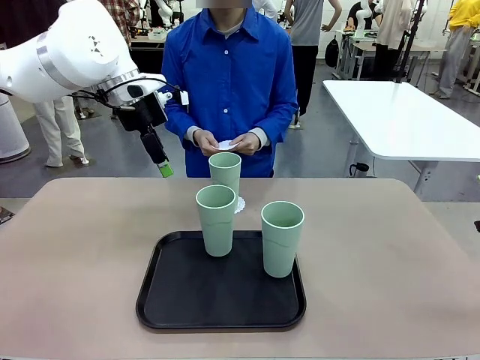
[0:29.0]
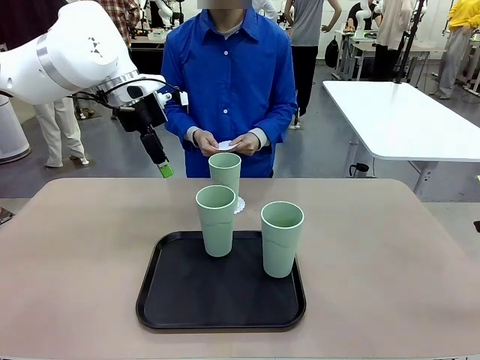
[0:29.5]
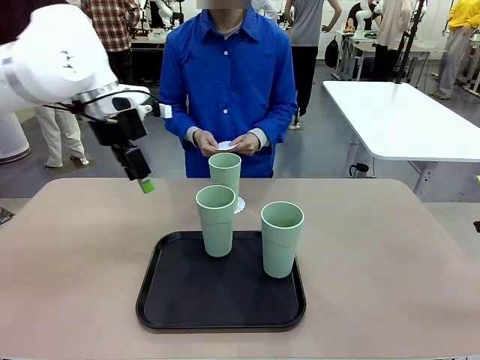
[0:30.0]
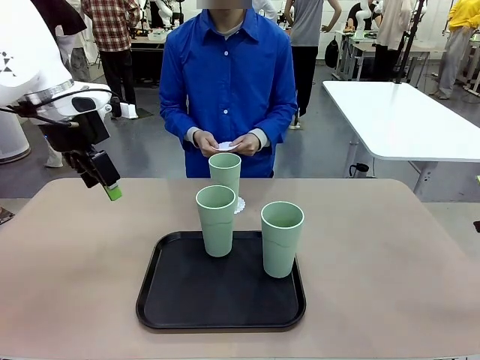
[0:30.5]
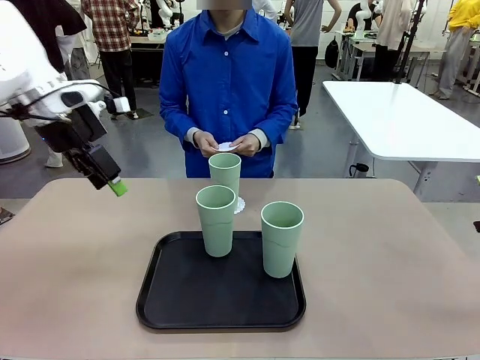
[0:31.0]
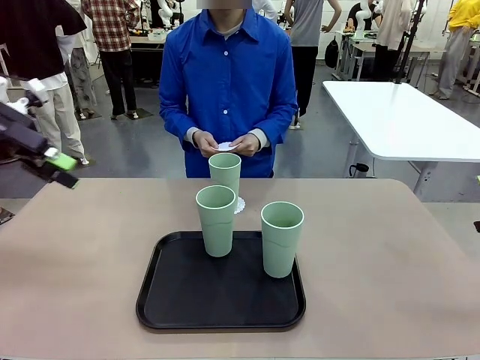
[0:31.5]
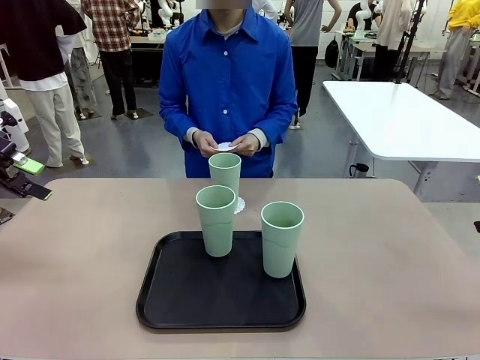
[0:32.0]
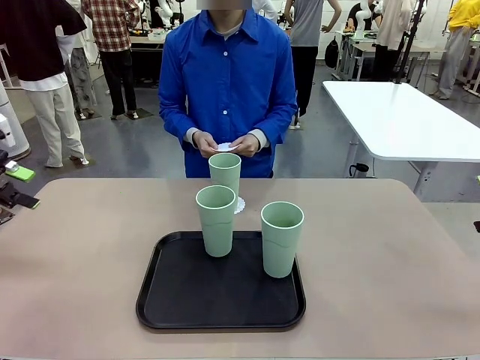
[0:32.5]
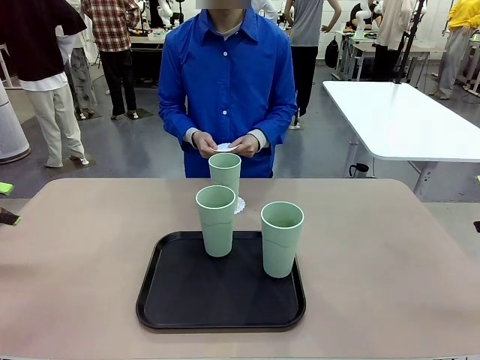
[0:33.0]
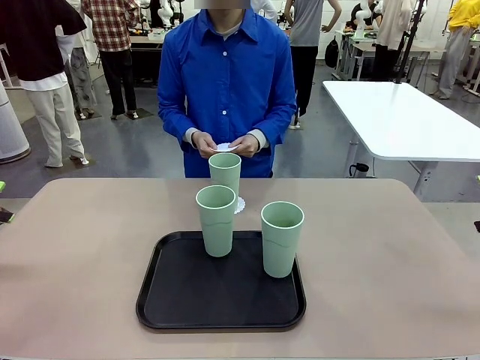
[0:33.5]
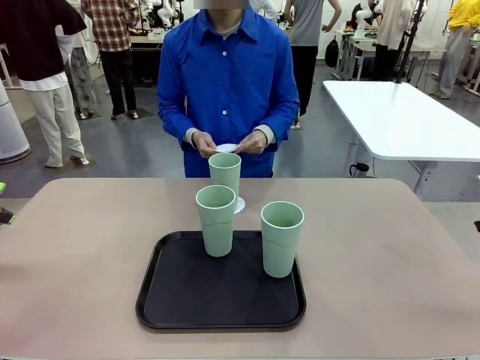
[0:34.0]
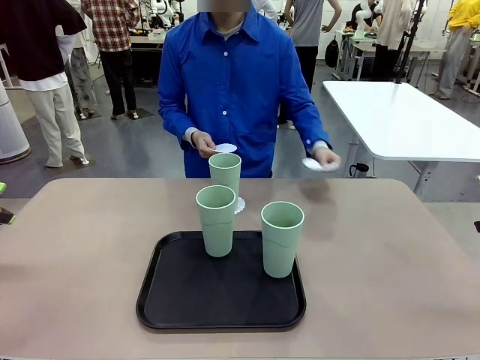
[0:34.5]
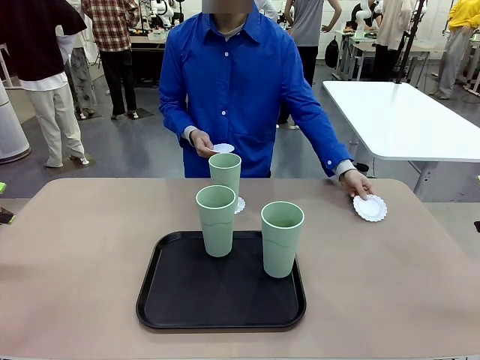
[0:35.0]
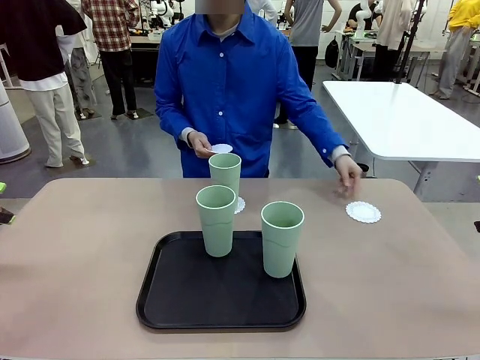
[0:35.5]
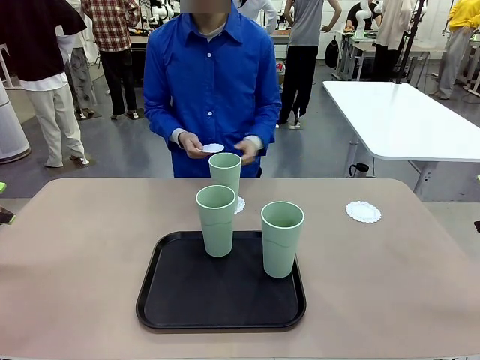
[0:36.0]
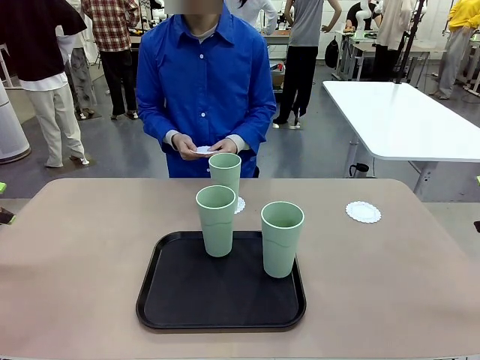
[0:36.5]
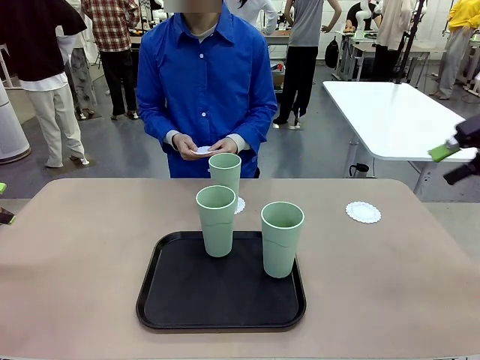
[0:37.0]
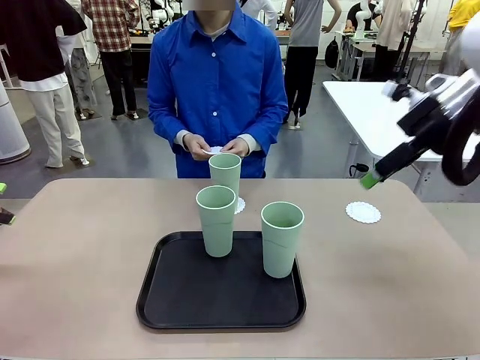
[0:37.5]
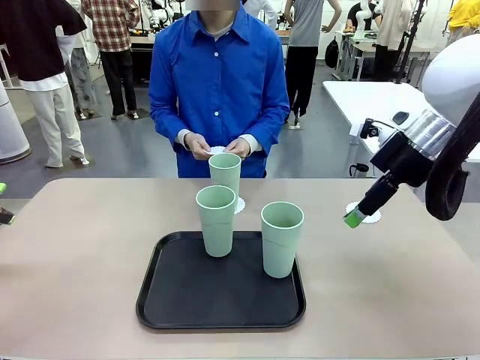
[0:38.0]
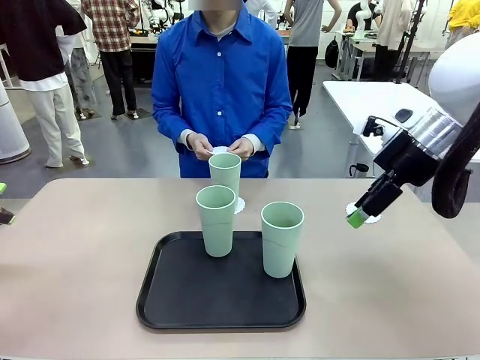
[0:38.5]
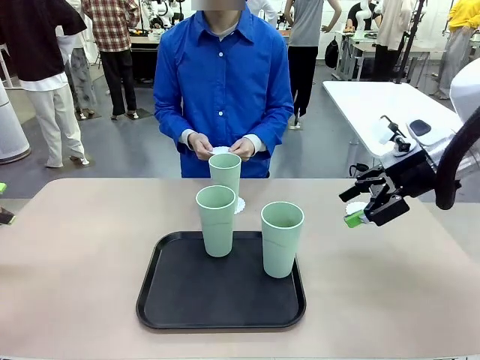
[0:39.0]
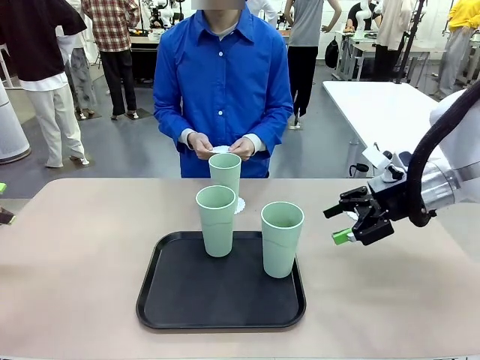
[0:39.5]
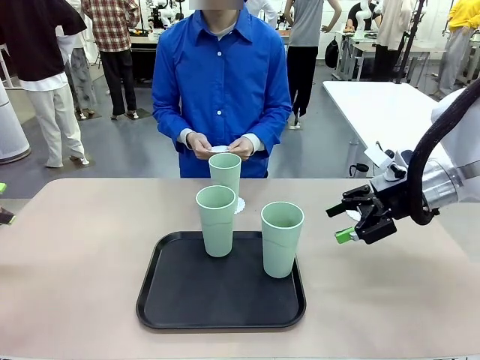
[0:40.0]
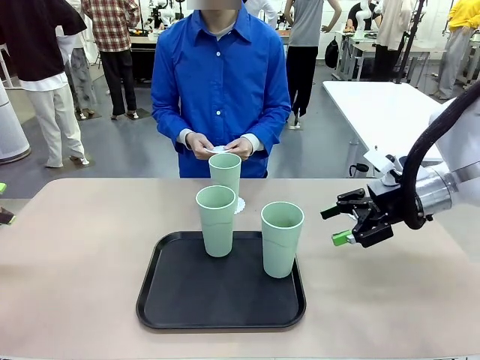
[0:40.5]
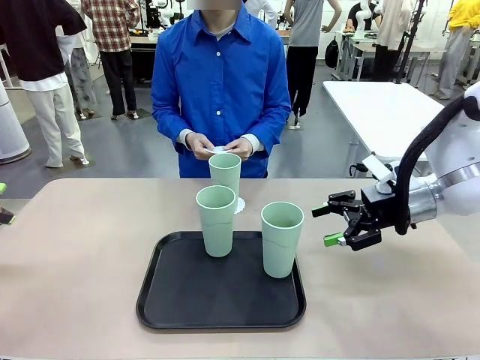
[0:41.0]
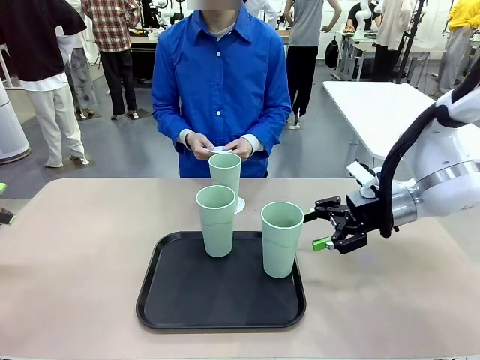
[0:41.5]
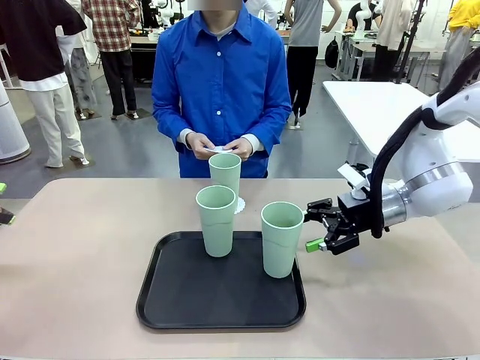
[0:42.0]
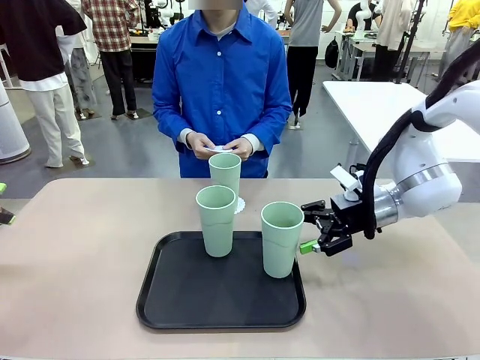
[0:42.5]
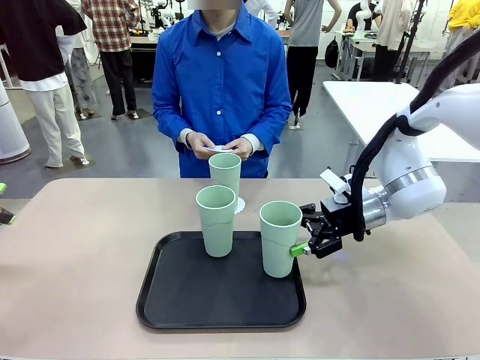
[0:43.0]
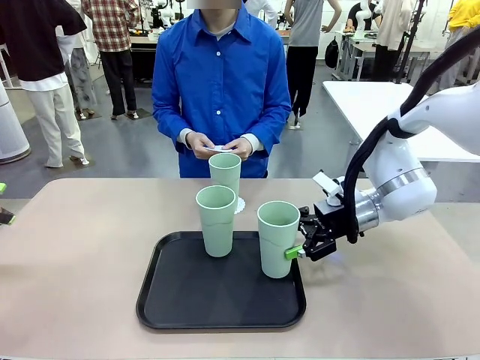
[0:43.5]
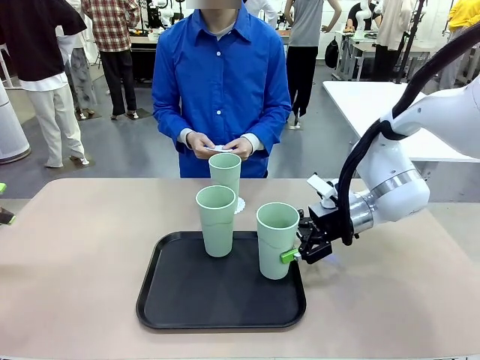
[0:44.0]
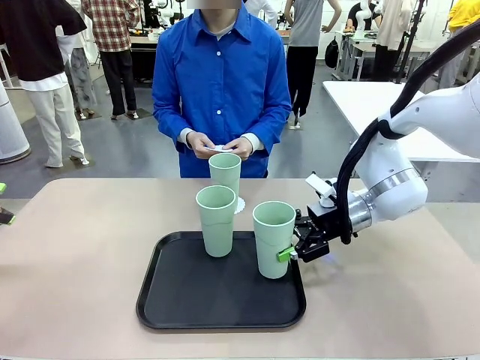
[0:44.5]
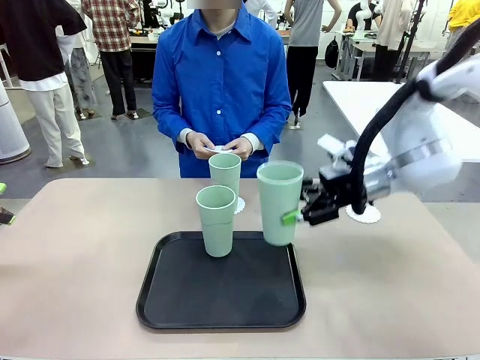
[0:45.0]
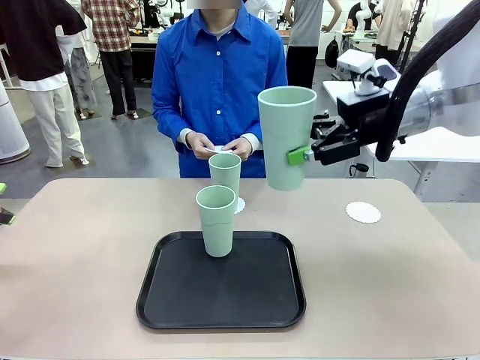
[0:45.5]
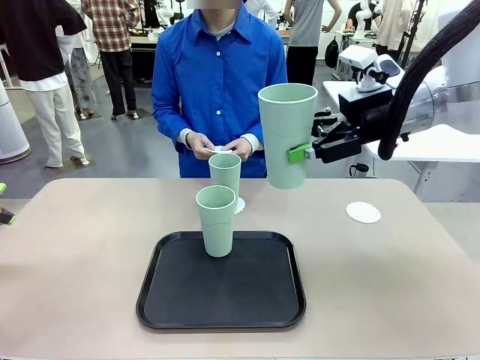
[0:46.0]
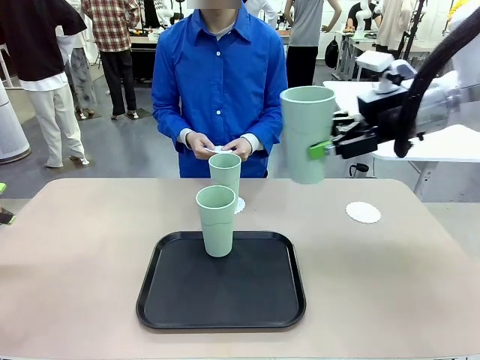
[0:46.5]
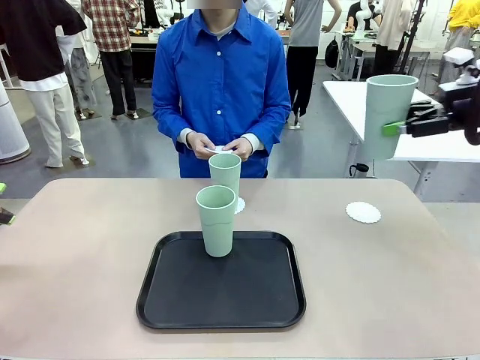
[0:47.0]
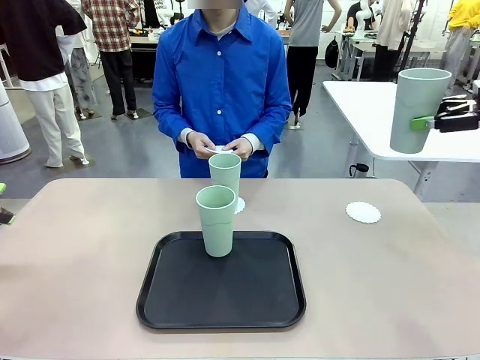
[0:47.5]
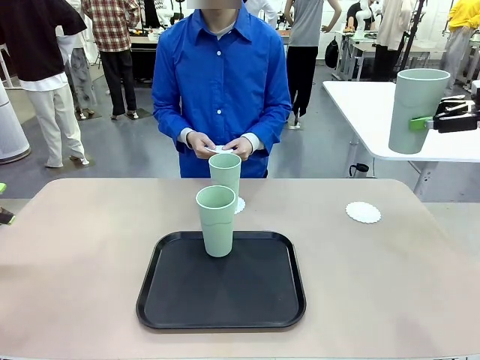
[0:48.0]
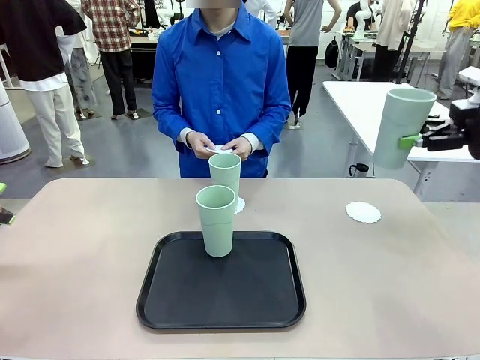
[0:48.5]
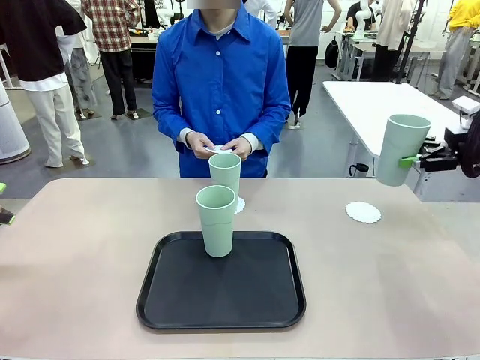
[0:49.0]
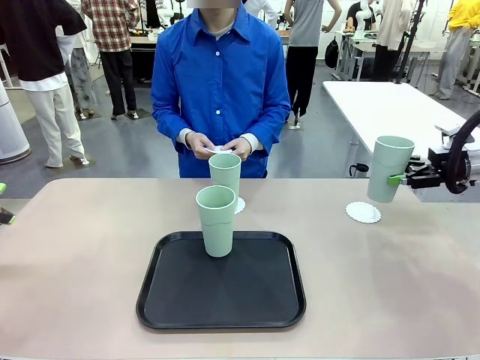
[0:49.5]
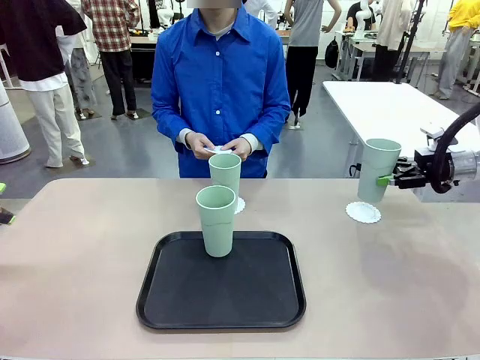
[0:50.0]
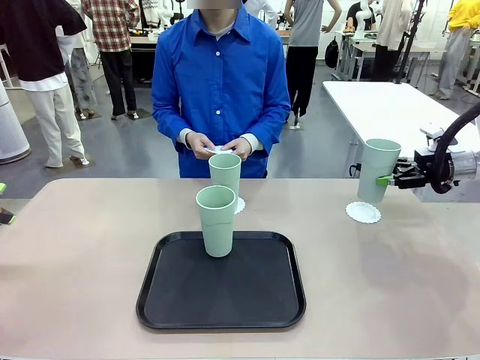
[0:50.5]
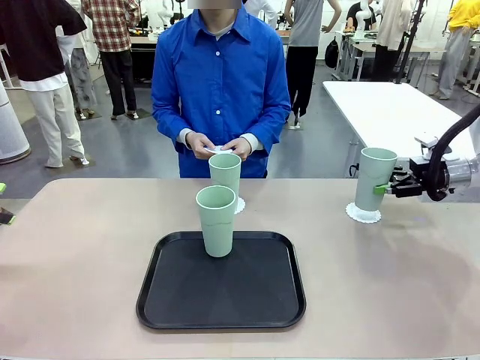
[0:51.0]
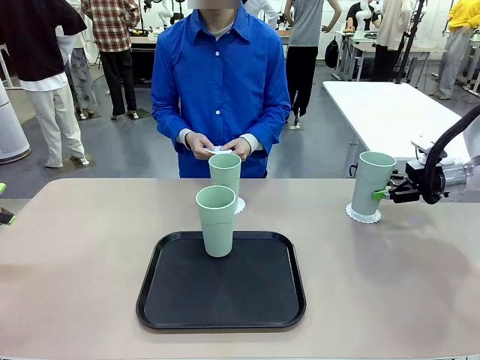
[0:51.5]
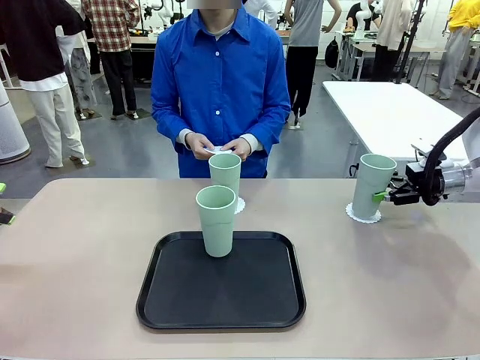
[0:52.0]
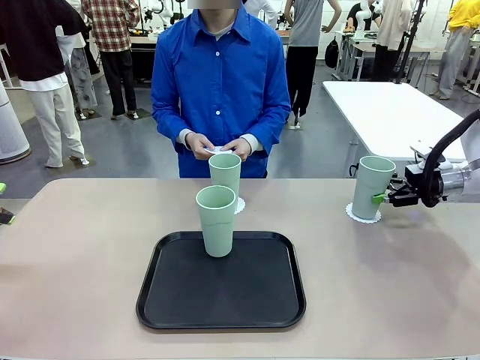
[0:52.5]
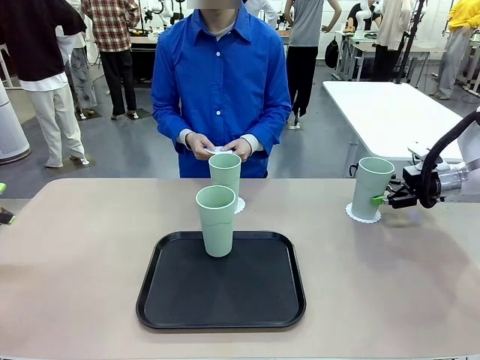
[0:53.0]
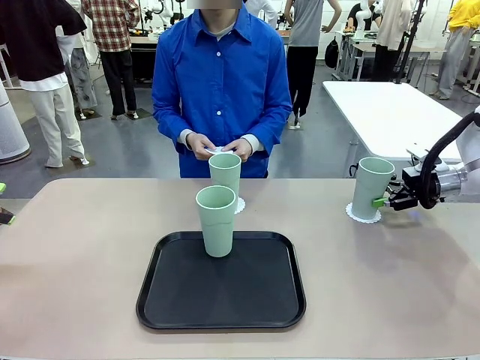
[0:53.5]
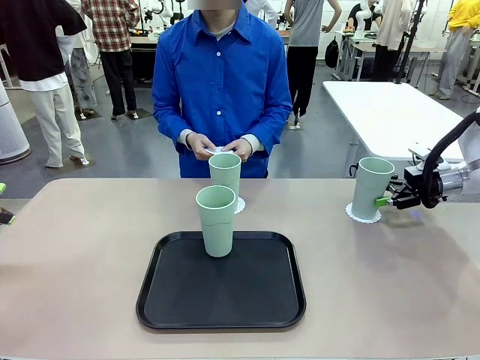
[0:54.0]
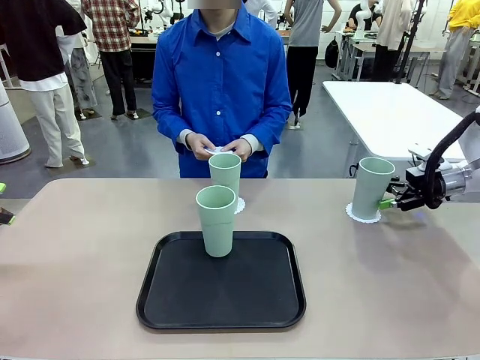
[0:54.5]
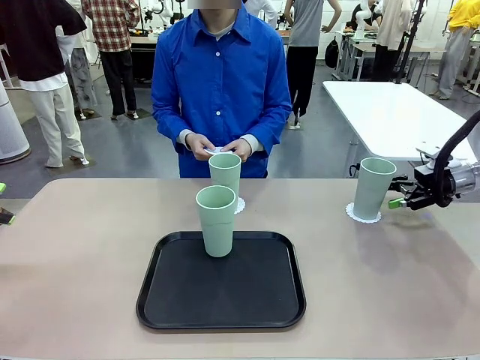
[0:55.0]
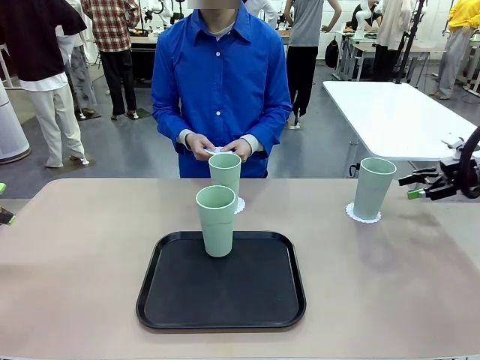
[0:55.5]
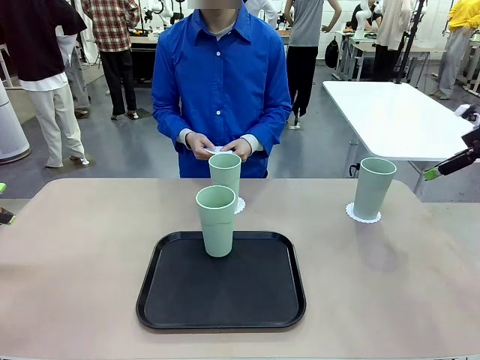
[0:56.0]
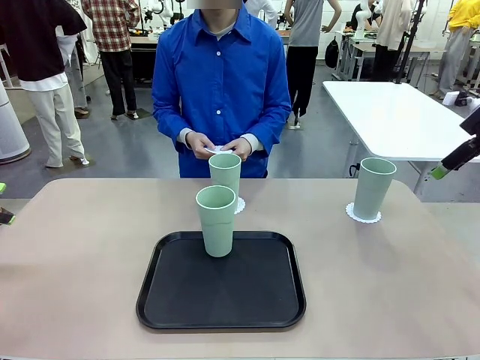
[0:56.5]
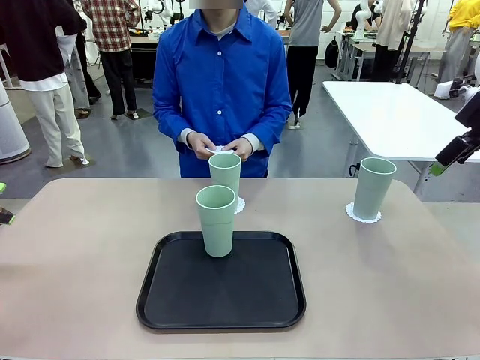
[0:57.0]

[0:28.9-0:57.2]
Task: Place coasters on the table and set cups on them.
Robot: Take one Reusable plastic cup from the Flat Tray and place it on a coaster set by the human.
